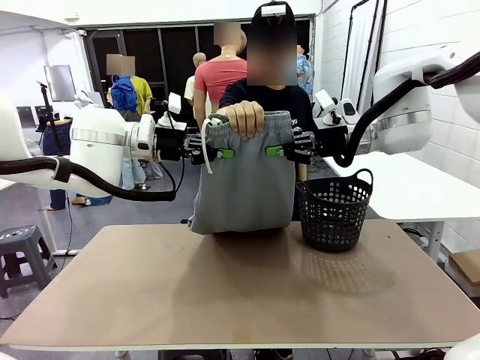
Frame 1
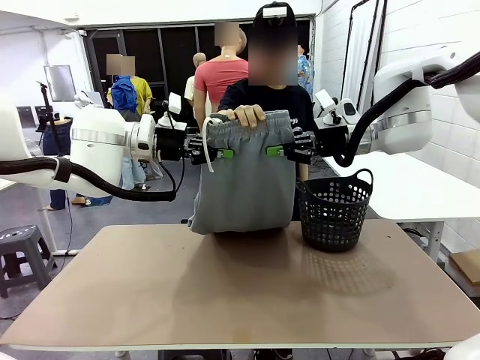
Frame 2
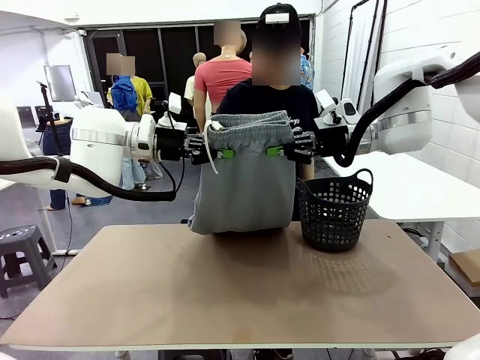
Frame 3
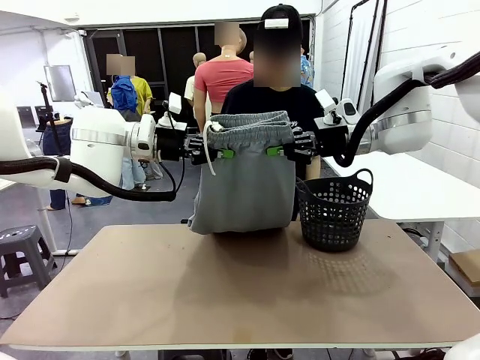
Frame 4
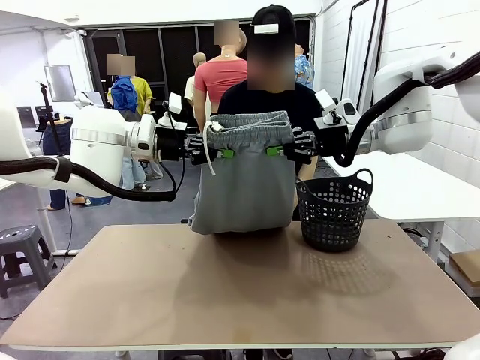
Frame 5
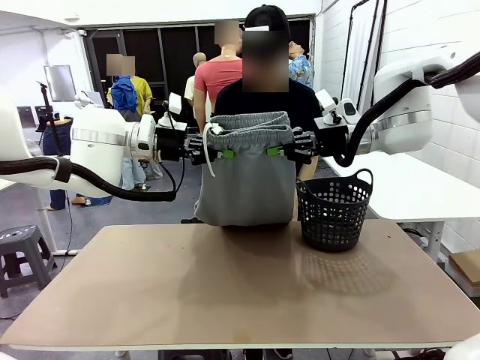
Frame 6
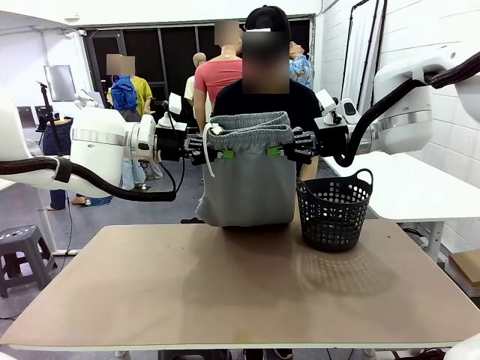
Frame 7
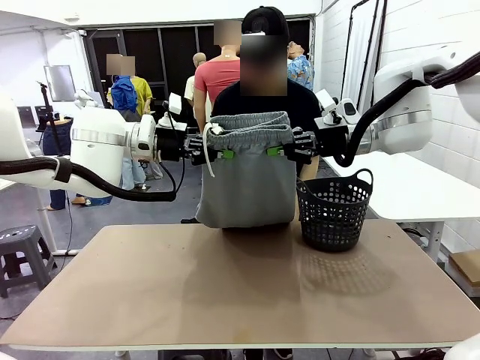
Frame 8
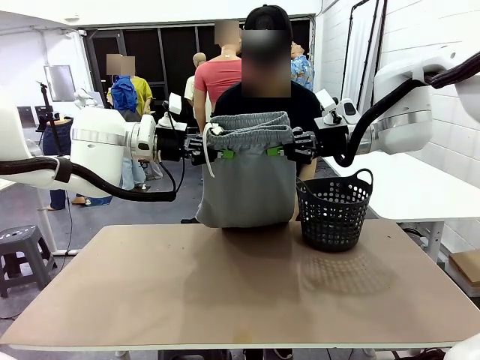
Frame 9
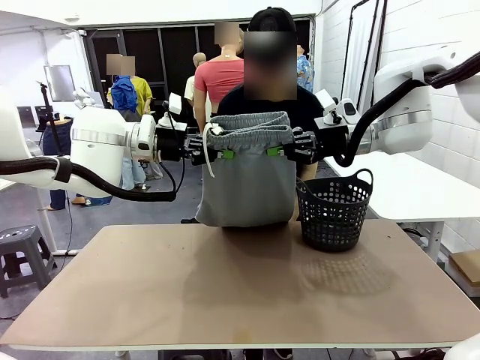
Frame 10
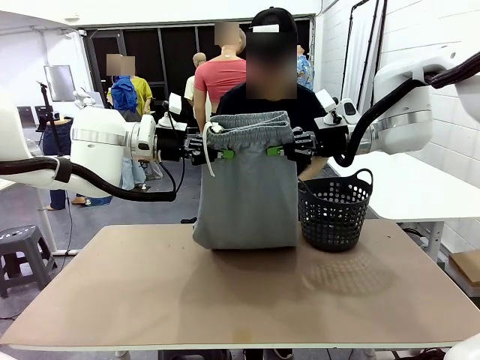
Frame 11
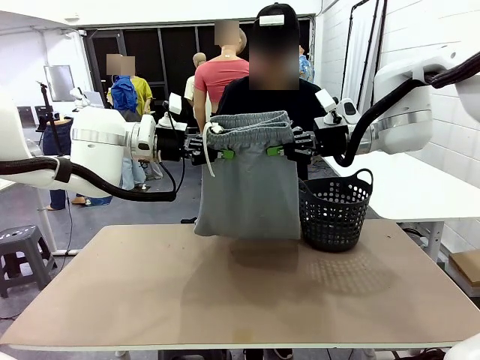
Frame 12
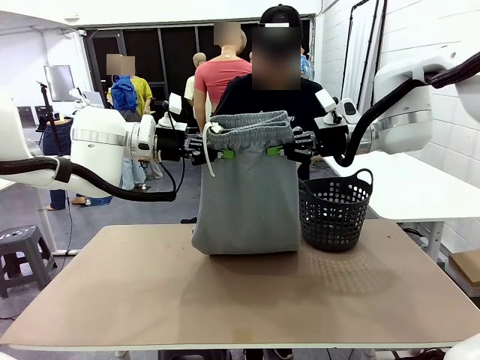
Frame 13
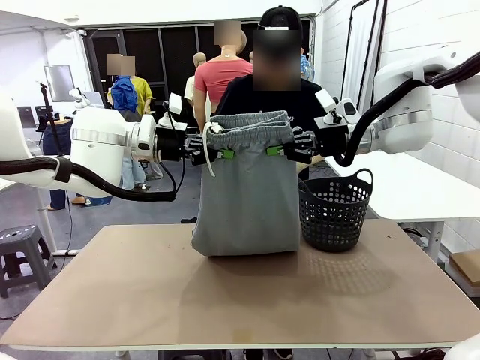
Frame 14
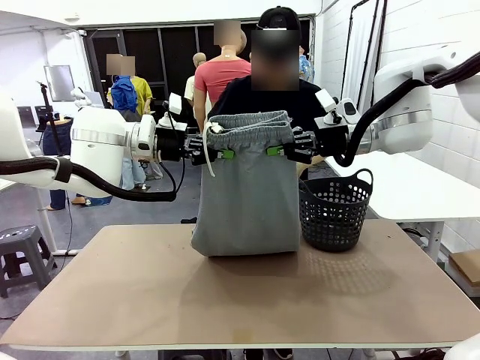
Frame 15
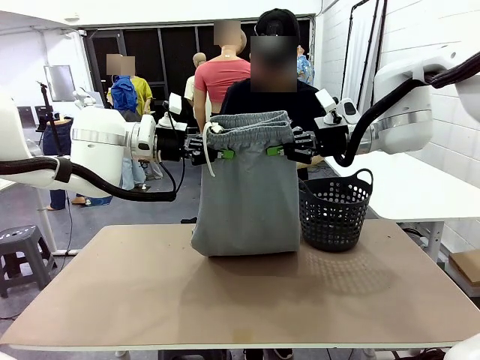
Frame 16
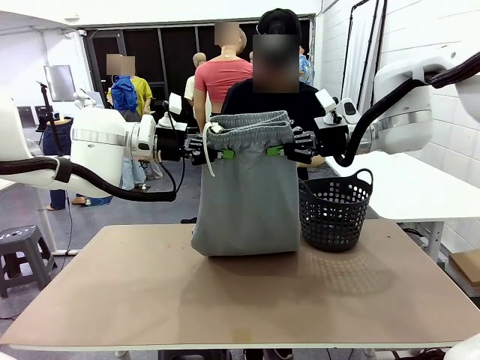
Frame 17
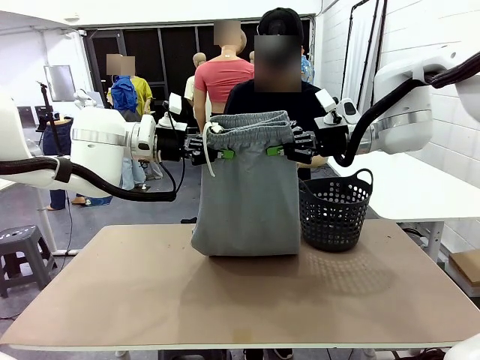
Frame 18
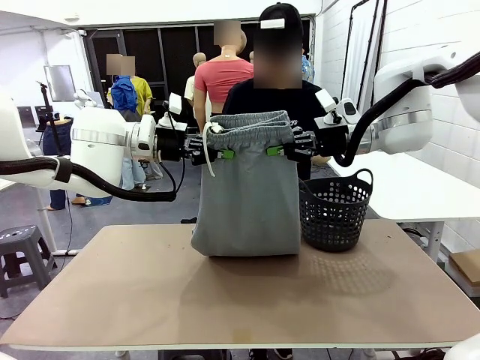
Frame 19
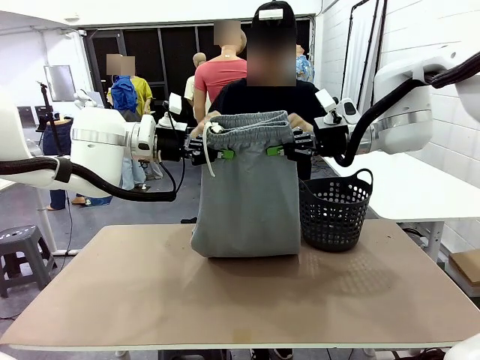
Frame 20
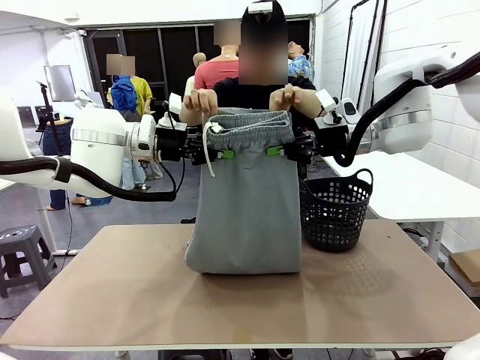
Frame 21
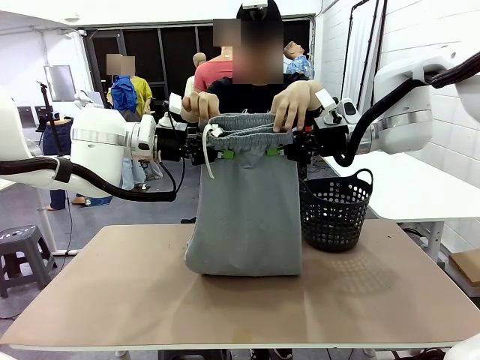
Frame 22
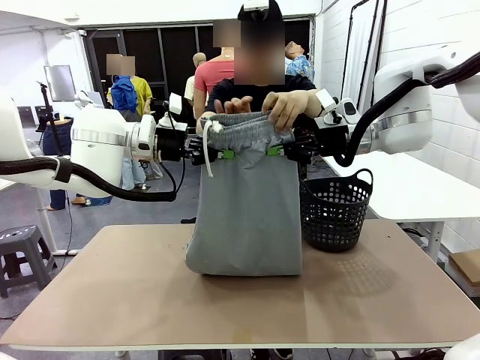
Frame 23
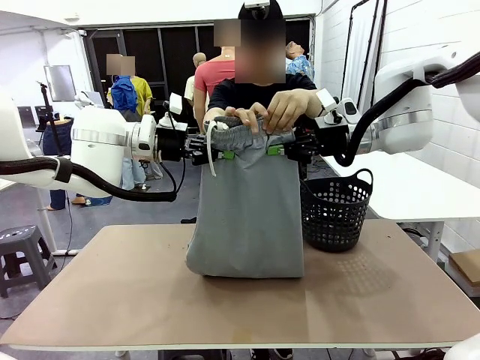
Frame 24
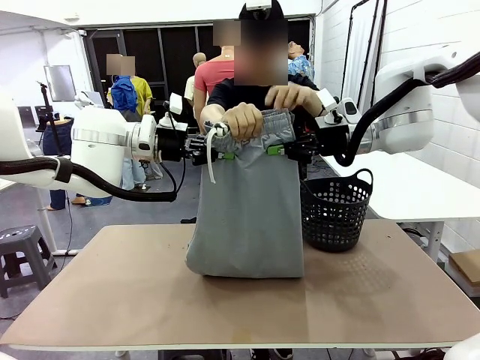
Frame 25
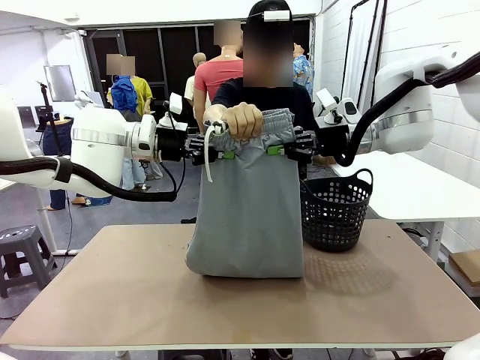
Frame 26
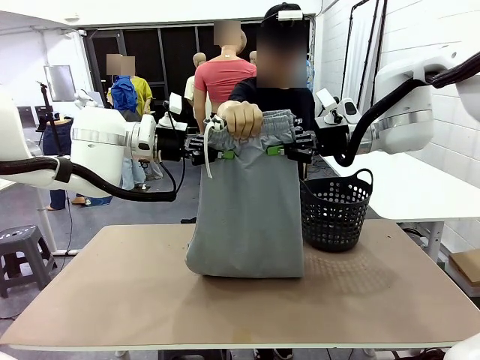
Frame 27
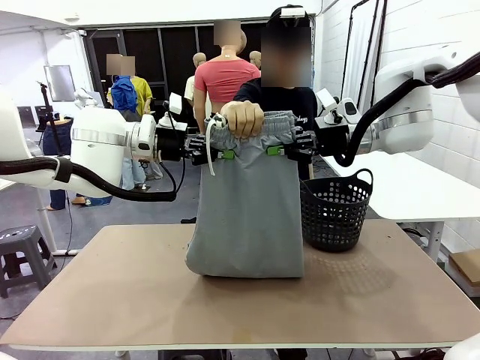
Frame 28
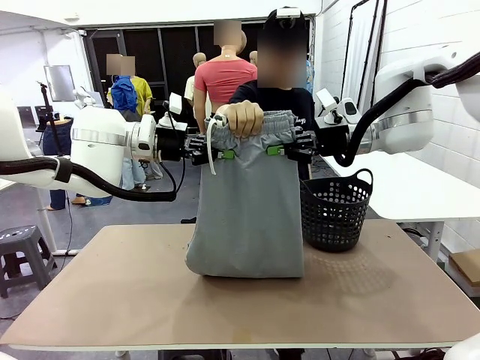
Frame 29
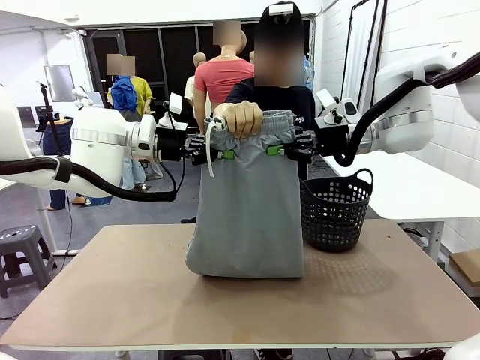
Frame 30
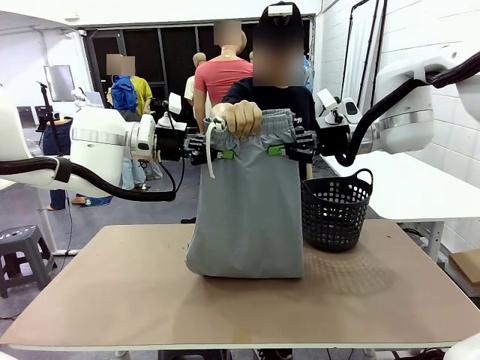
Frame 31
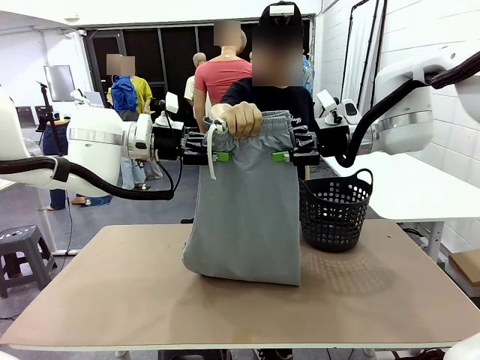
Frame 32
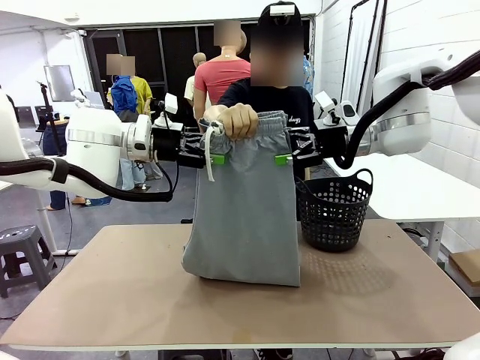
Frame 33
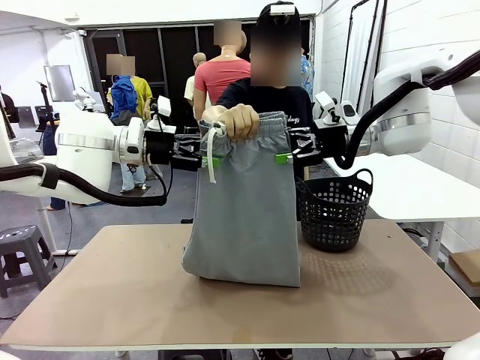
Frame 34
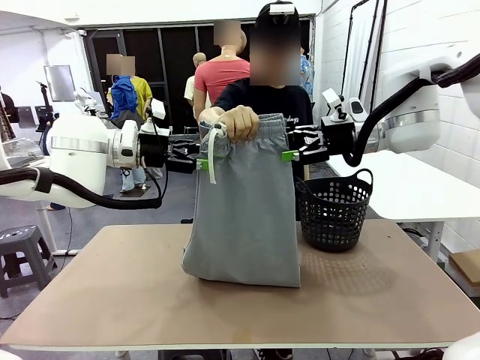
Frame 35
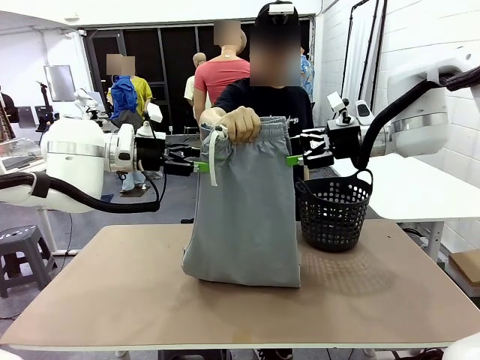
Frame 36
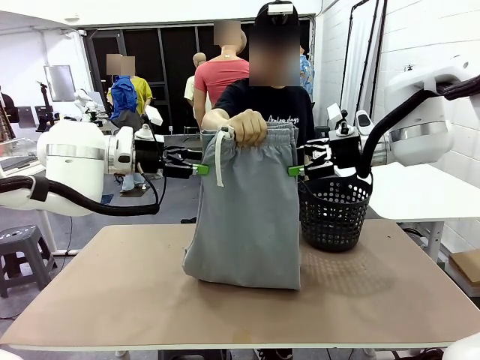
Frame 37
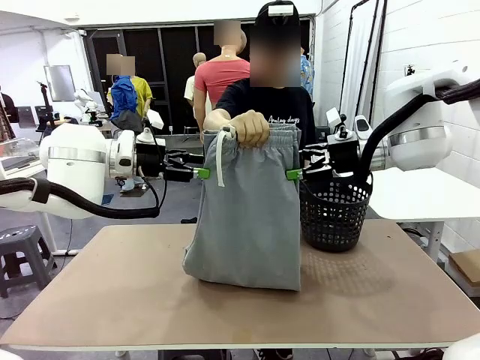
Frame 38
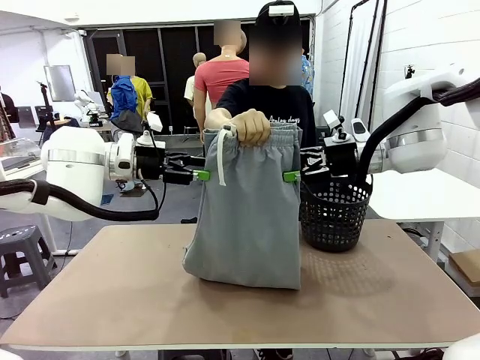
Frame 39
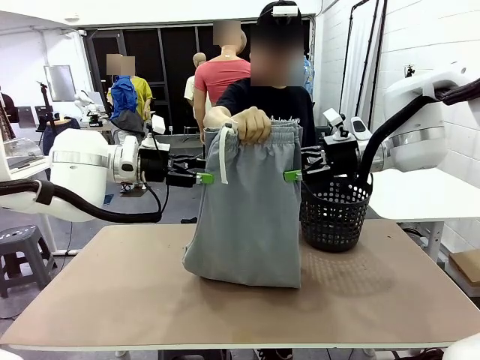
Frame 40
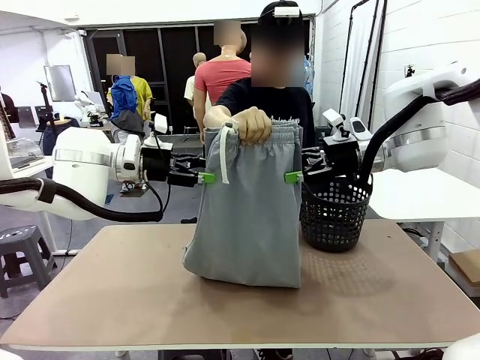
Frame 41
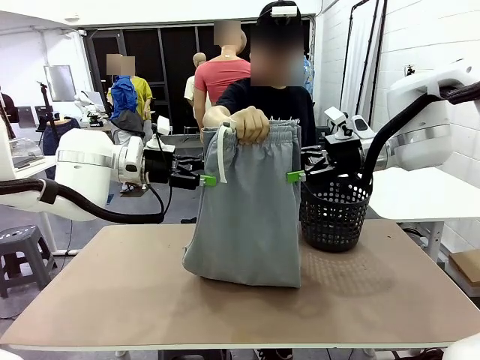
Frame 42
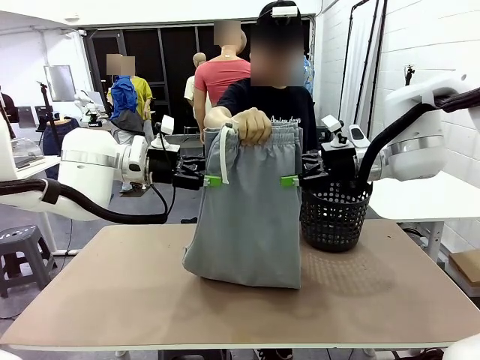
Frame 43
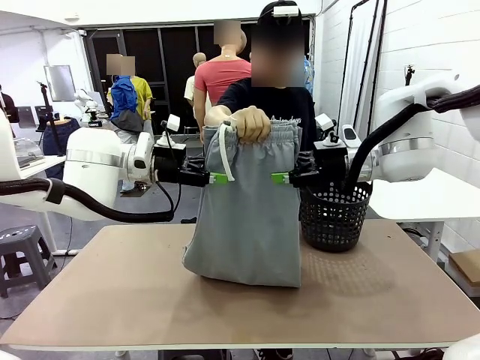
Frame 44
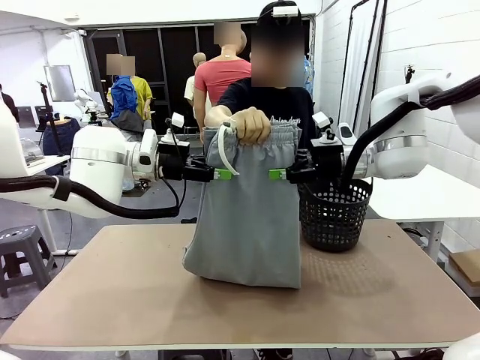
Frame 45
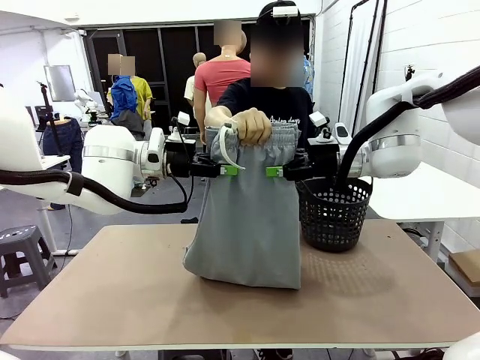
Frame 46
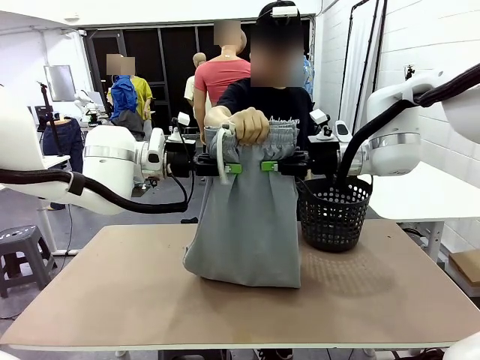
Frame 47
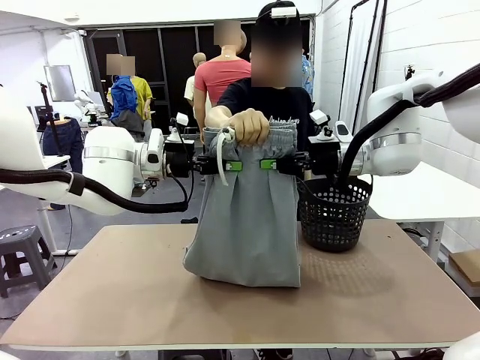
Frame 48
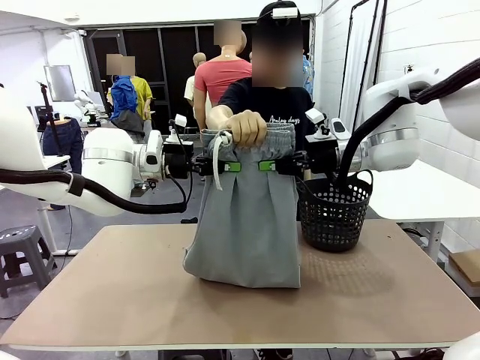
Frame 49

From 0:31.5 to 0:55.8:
Task: Fold the training pants.
Robot: Release the ends of the Training pants and then grab the overlapped ends.
Person: Grasp the end opposite the point the robot is holding, fold the pants in half, and then grasp the overlapping top end of the folded pants. Release the pants you were holding.

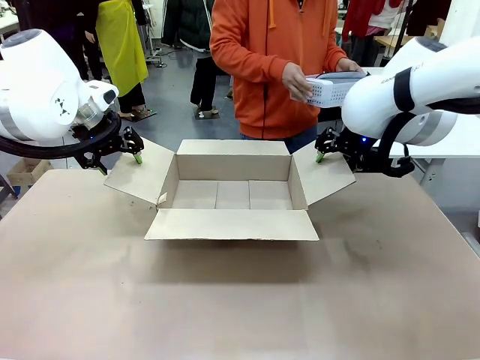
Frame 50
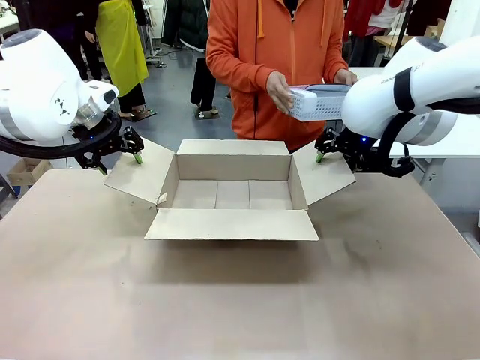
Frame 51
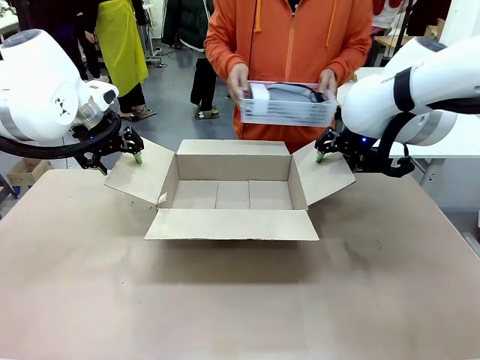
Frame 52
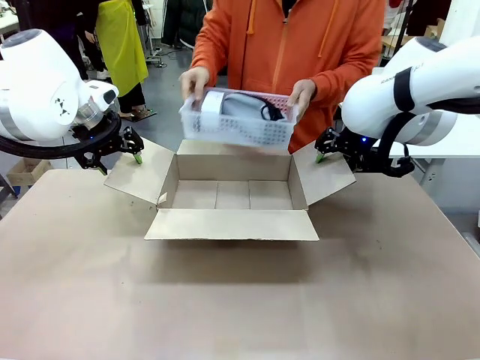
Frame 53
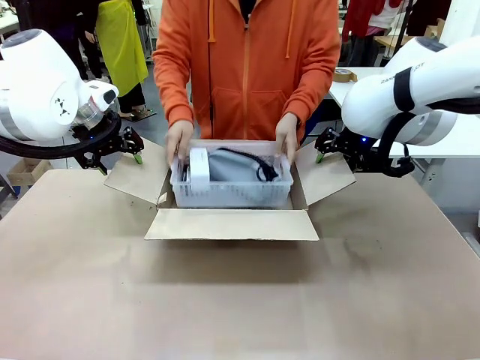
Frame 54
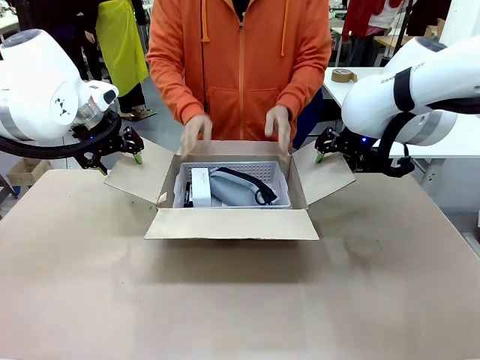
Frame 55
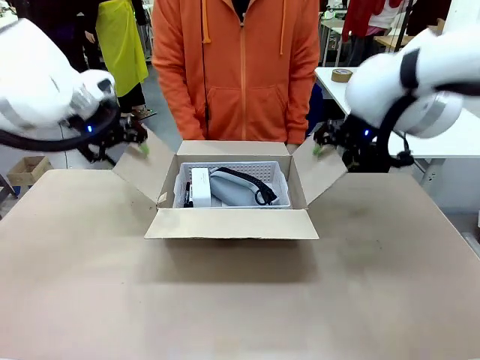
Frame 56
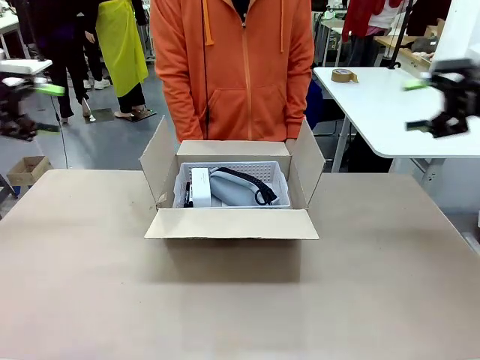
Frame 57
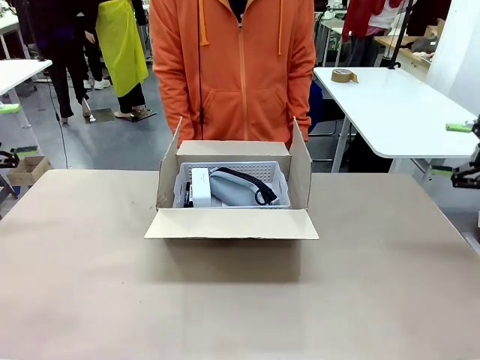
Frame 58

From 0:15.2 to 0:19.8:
Task: Pack the gift set into the box.
Robot: Lift both hands away from the flaps of the Package Box.
Person: The human picks up the organizing basket and places the organizing basket into the package box on the robot table.
